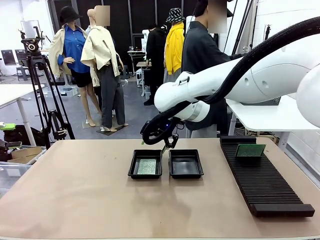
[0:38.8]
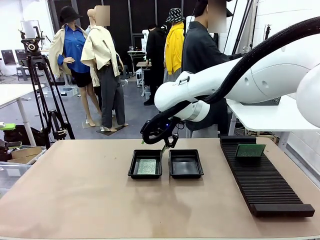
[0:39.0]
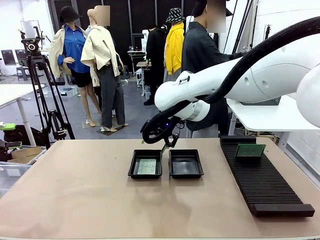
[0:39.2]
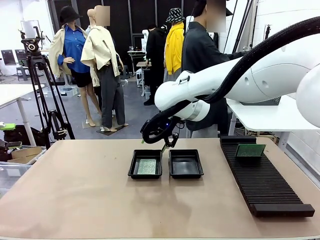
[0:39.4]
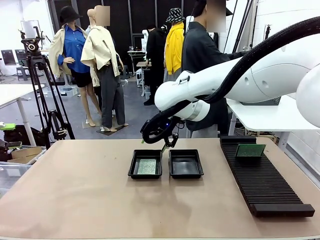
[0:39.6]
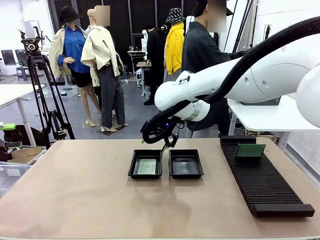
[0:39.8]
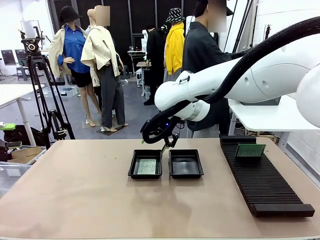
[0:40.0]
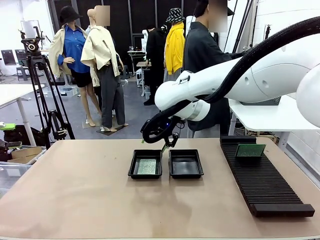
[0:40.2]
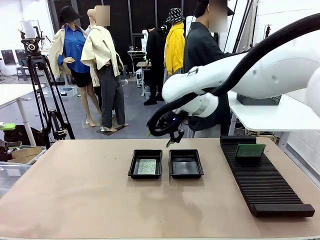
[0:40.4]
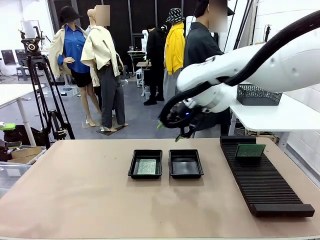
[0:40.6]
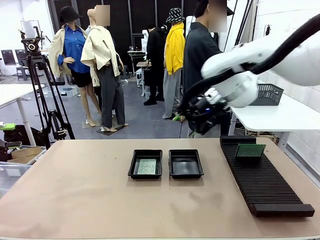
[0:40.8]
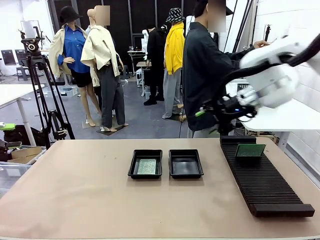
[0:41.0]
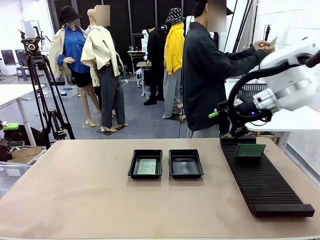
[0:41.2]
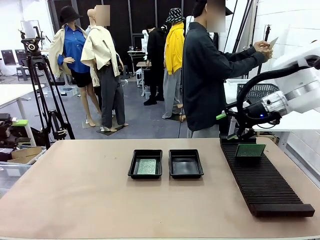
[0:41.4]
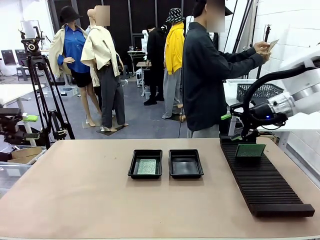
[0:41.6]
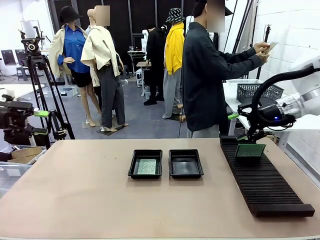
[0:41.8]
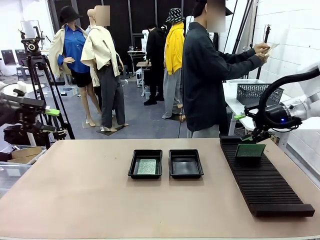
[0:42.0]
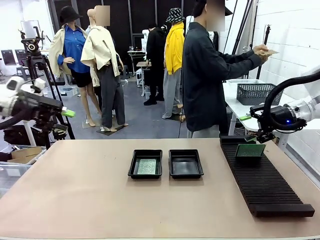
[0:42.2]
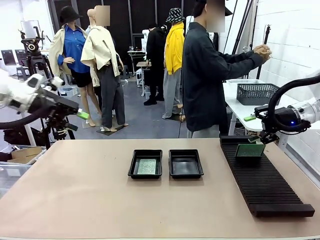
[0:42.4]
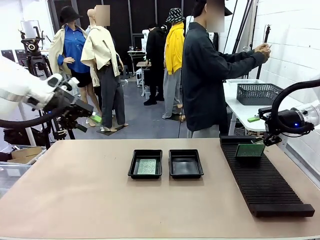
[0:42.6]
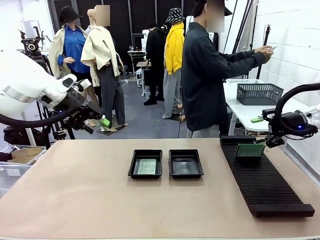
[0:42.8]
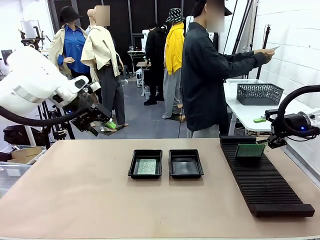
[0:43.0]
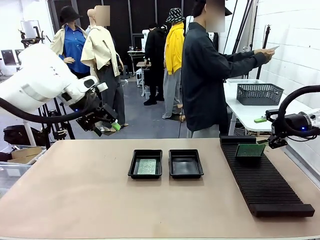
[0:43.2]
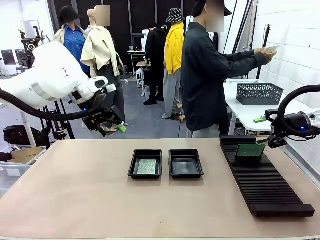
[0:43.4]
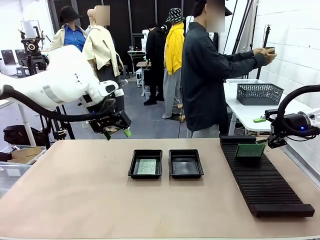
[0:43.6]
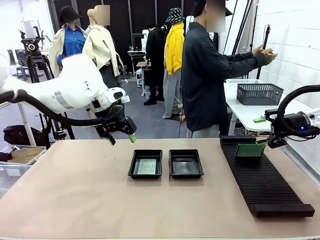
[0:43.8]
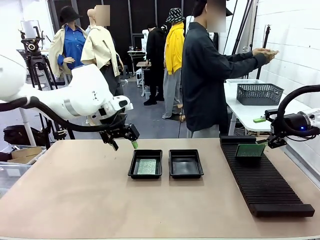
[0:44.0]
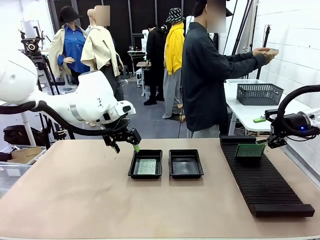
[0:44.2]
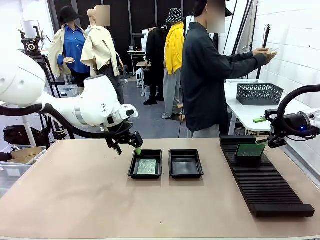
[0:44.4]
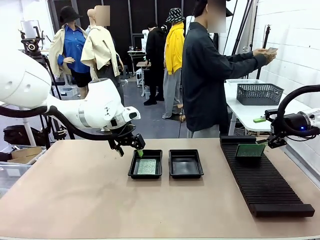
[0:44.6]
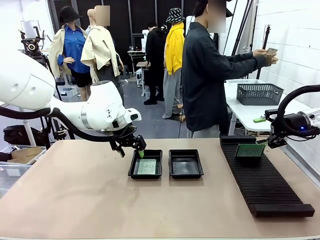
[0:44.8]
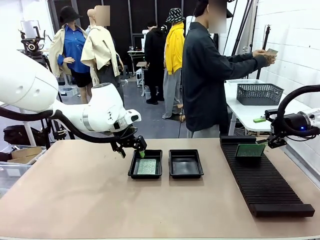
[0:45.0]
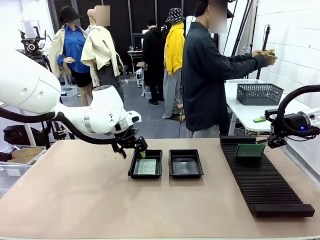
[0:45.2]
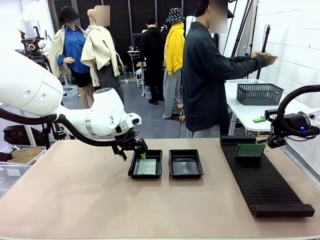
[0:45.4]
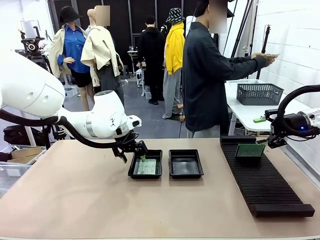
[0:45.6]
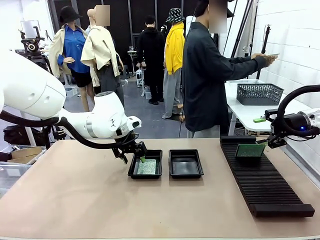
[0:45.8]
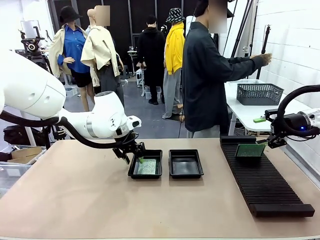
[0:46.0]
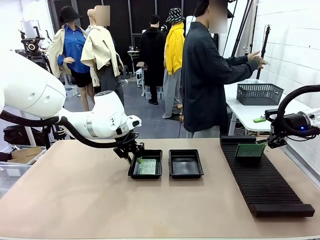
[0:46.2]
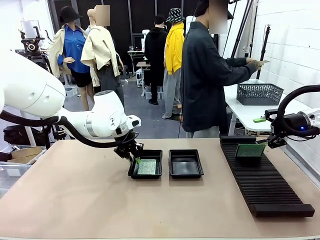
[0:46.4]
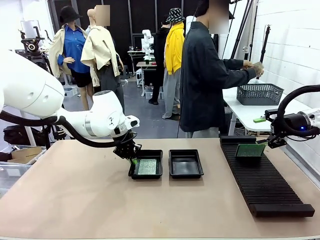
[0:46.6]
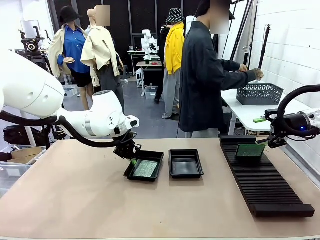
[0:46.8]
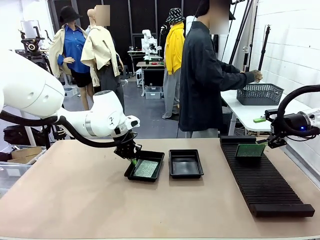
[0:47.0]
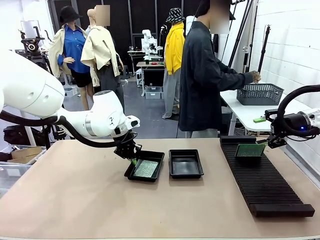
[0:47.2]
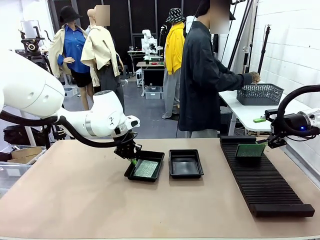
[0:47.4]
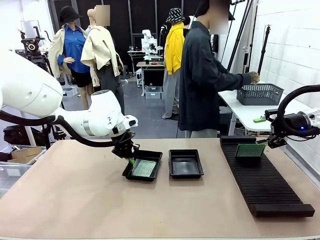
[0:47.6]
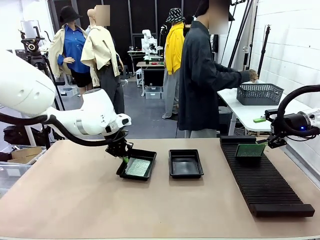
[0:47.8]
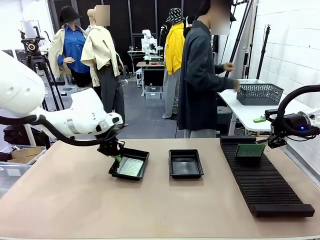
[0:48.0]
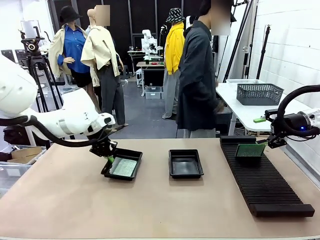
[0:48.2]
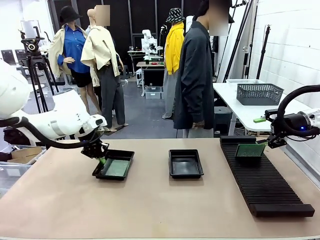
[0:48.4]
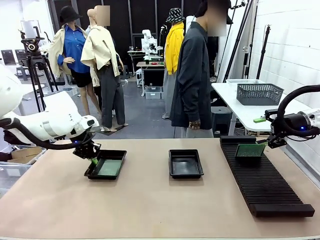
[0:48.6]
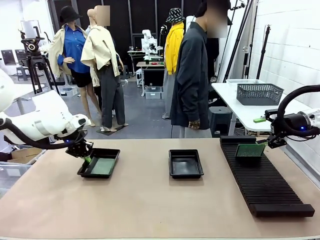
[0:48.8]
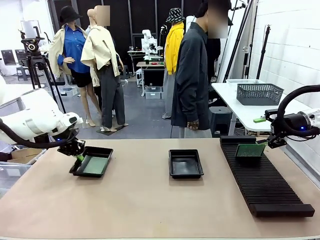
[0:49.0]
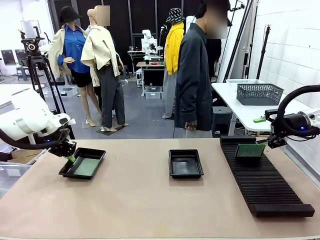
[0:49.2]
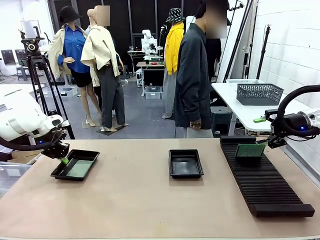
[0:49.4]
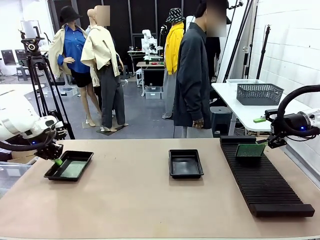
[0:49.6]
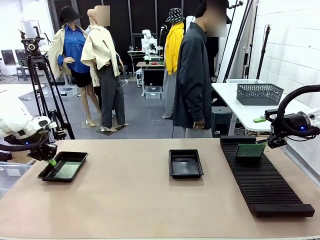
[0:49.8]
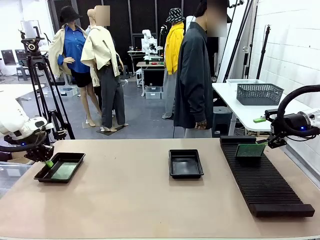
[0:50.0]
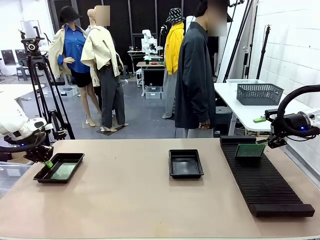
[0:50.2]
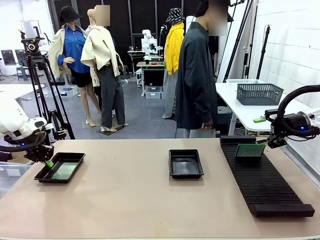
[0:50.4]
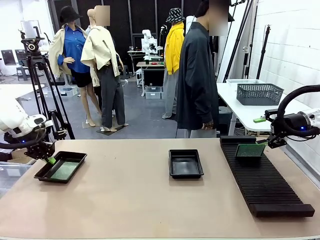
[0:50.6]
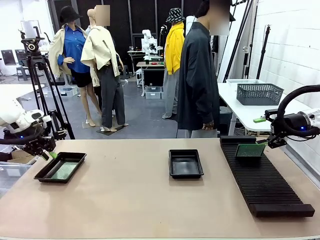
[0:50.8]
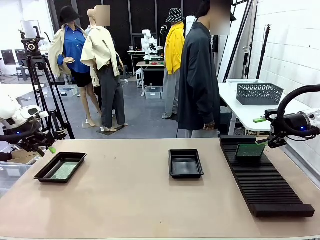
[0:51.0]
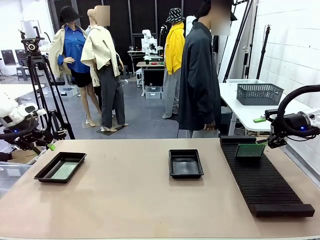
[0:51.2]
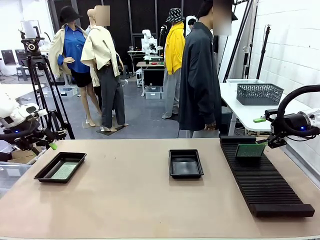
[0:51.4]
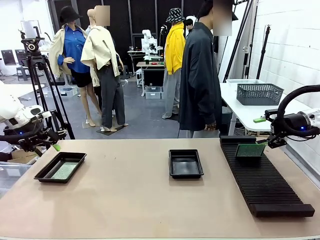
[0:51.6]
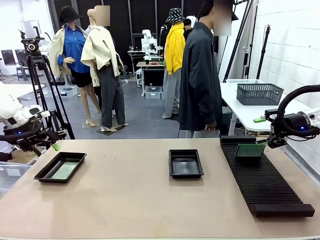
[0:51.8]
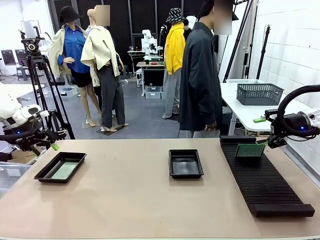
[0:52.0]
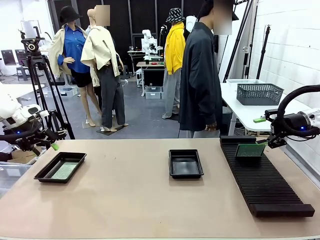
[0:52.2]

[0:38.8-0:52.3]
Task: Inspect and transfer BCBs to ESD trays.
Robot: Pick up the ESD tray and place it on the left side of the table.

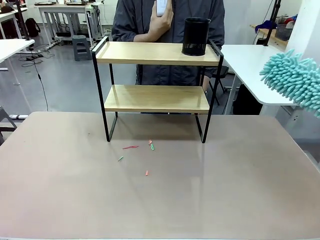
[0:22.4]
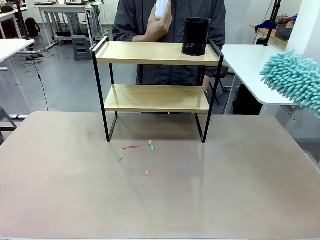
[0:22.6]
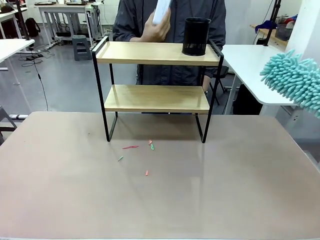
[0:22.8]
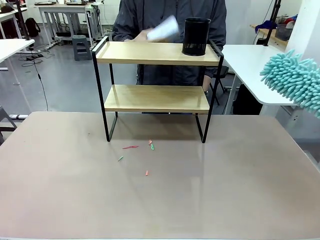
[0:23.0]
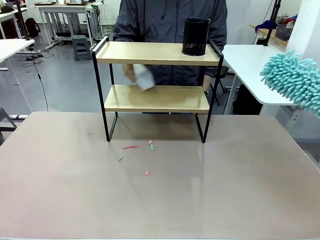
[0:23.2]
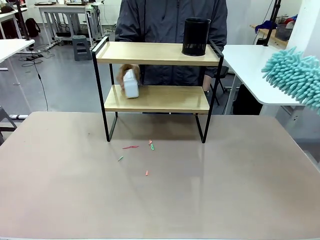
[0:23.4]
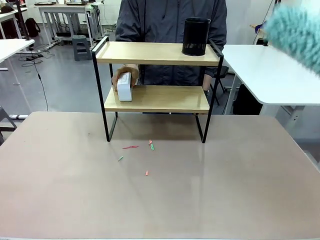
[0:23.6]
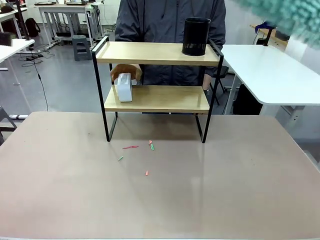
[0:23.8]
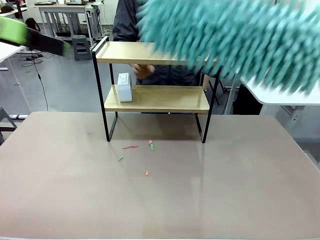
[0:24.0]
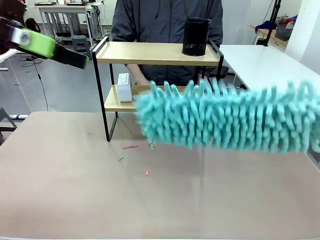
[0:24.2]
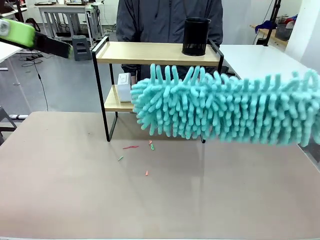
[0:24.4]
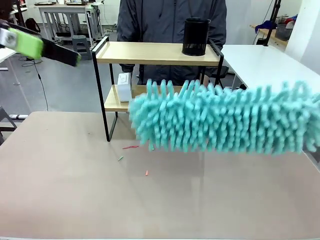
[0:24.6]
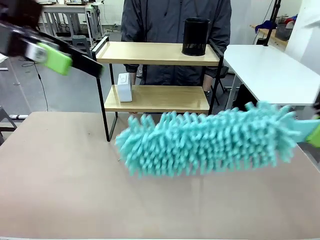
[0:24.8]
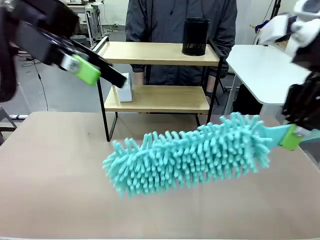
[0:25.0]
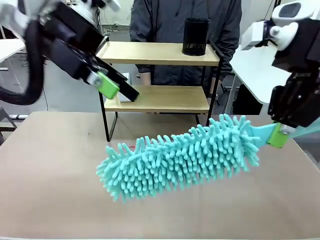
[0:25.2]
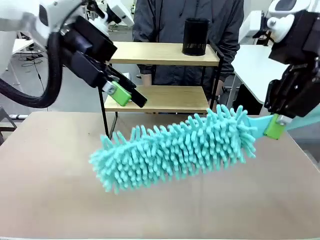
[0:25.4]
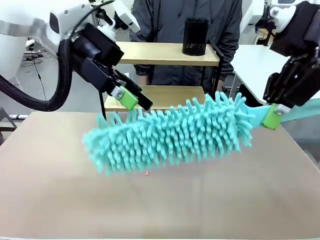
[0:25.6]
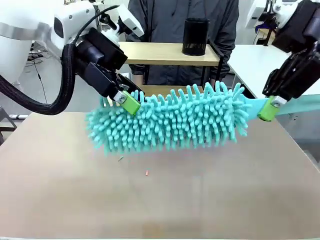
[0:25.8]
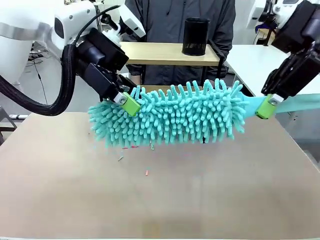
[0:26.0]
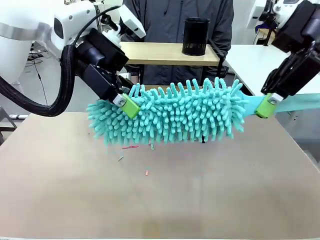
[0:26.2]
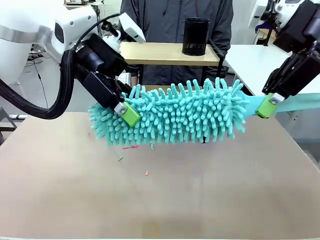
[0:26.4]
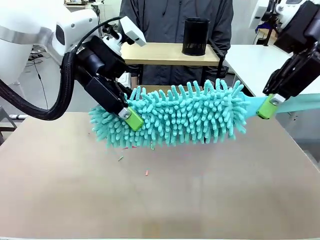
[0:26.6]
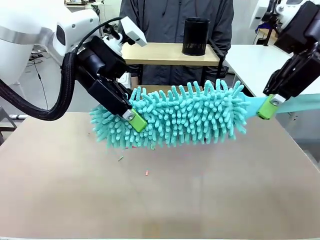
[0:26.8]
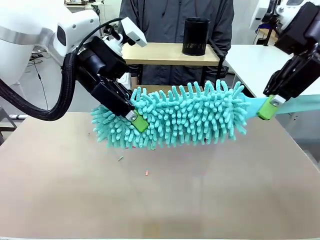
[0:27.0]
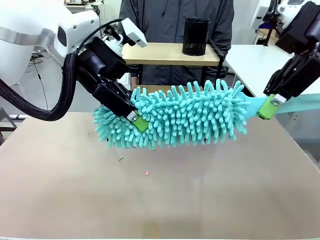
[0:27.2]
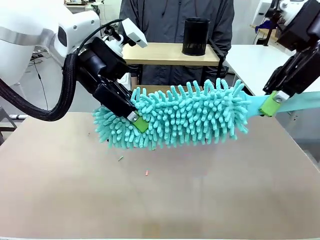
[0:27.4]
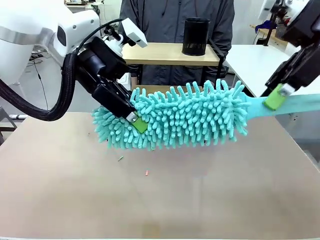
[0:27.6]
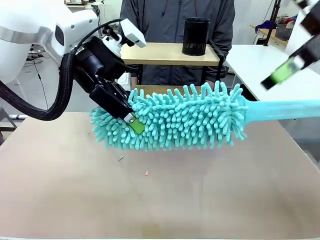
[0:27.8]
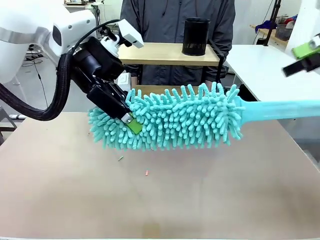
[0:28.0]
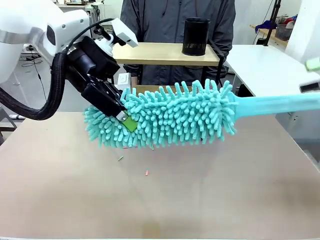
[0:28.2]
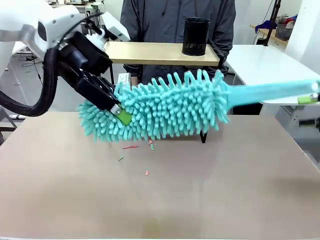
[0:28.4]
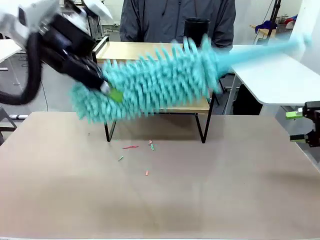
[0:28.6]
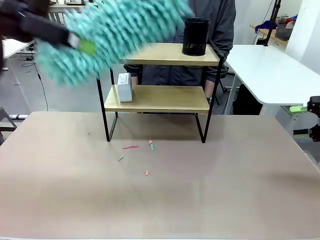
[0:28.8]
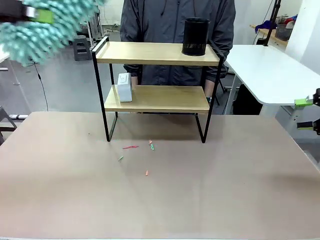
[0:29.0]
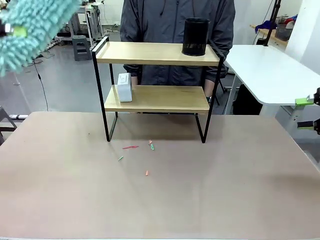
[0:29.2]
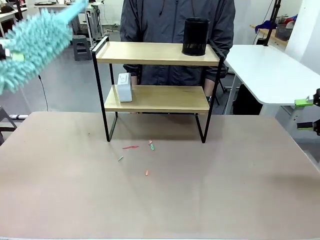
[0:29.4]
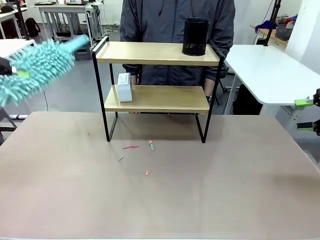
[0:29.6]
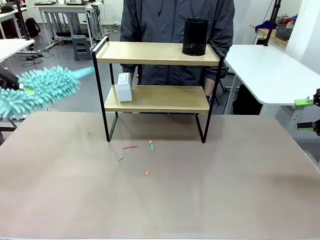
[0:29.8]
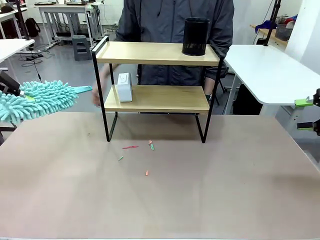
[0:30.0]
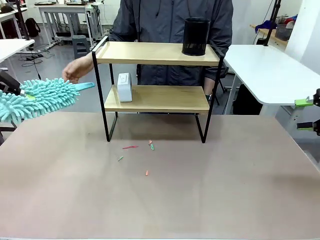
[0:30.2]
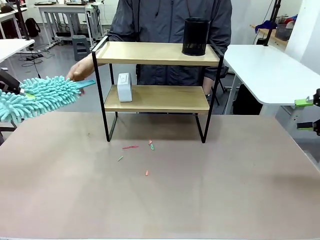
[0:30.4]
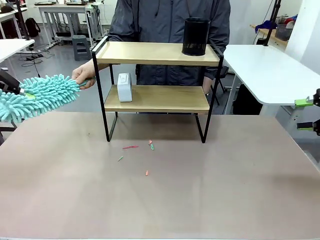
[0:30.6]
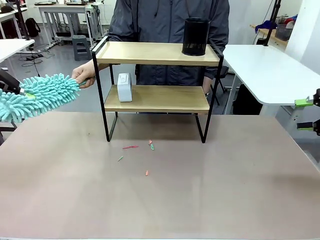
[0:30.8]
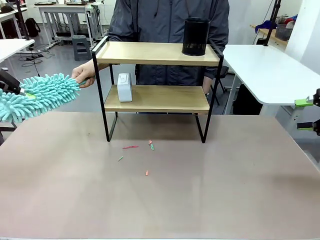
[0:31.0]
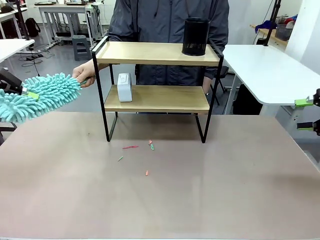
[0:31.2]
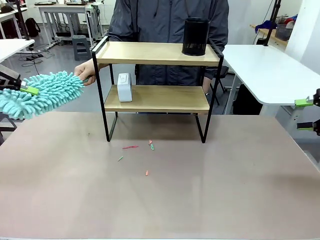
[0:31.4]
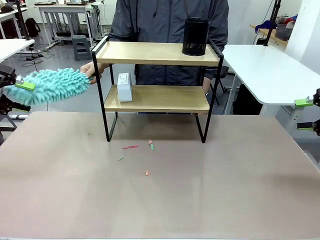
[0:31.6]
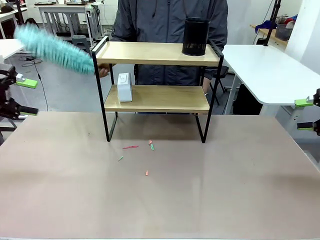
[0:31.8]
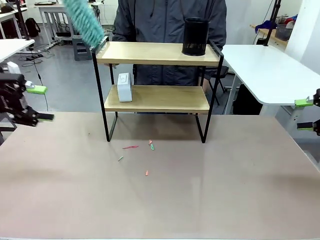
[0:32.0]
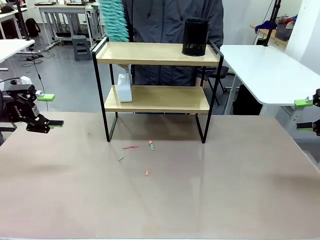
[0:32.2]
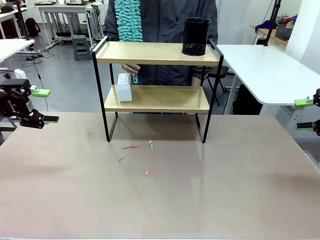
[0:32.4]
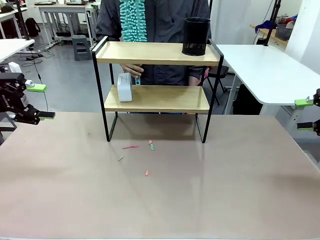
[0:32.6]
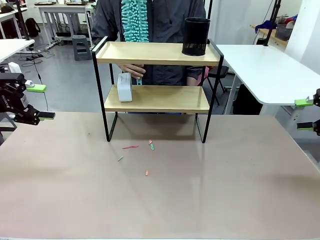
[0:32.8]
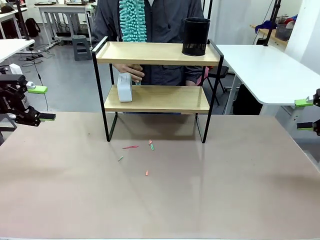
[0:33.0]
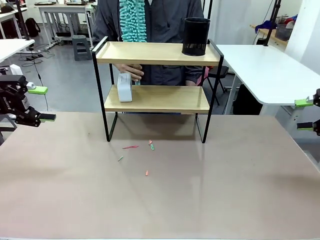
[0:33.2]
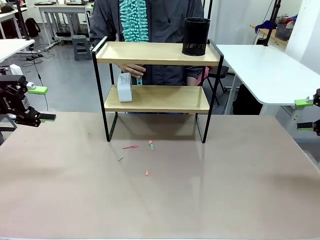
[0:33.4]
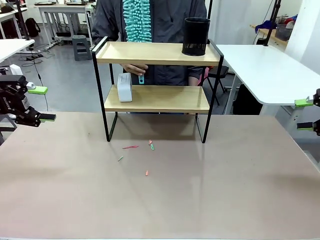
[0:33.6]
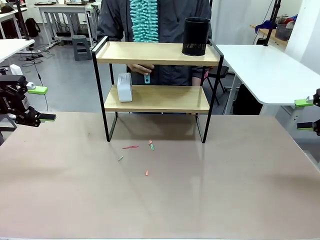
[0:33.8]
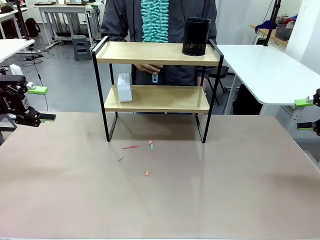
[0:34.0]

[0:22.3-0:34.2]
Task: Clean the shelf.
Robot: Hand the Duster back to the human.
Person: Receive the Duster from the robot.
